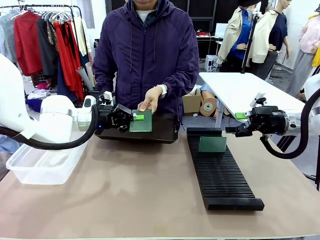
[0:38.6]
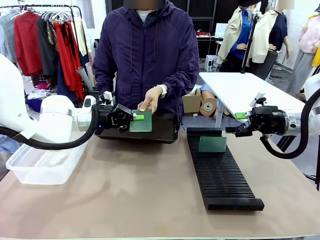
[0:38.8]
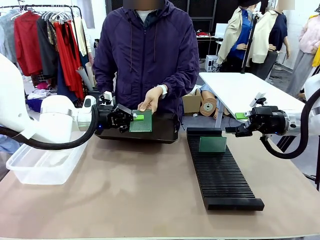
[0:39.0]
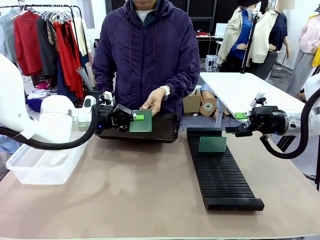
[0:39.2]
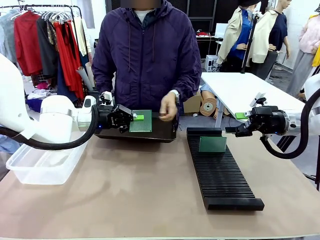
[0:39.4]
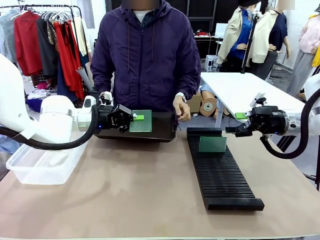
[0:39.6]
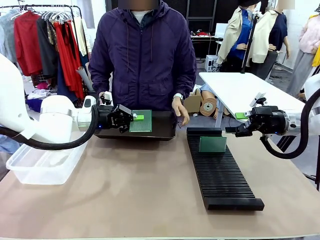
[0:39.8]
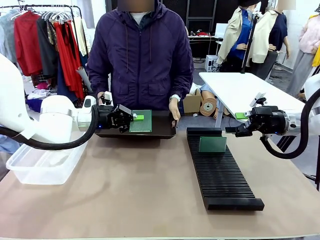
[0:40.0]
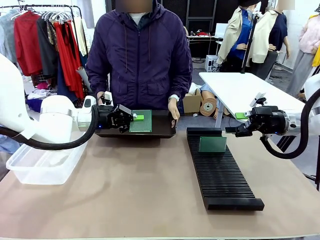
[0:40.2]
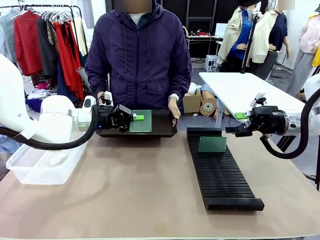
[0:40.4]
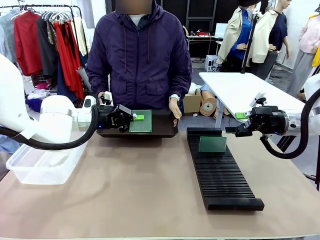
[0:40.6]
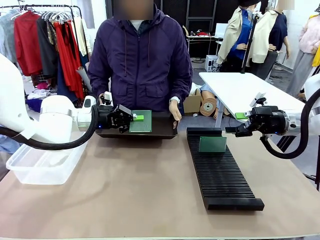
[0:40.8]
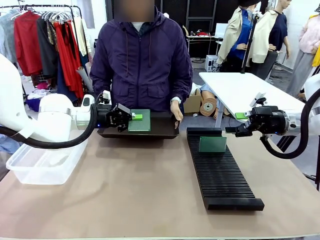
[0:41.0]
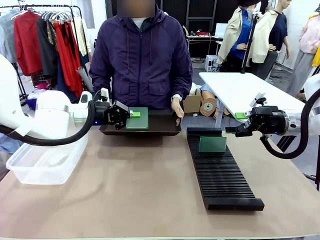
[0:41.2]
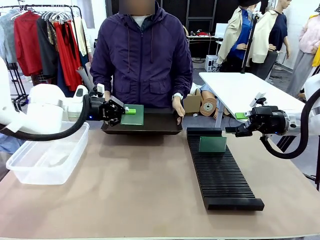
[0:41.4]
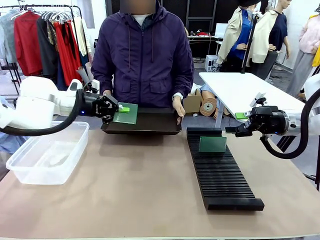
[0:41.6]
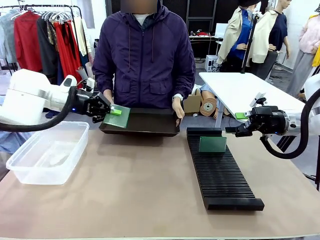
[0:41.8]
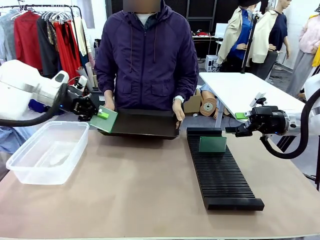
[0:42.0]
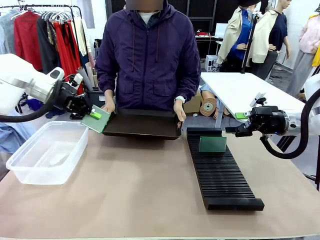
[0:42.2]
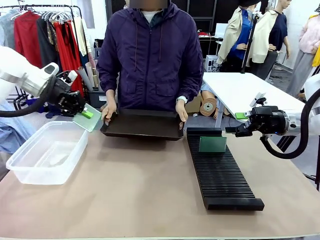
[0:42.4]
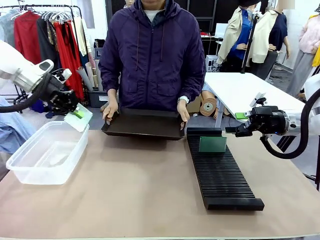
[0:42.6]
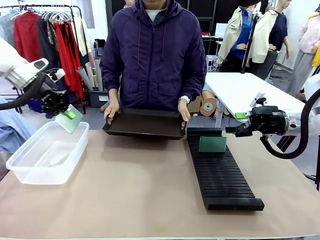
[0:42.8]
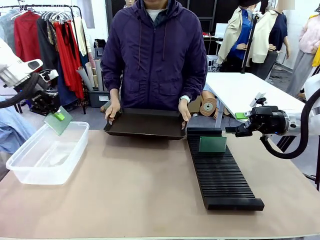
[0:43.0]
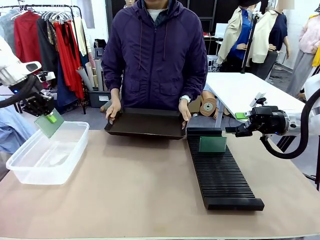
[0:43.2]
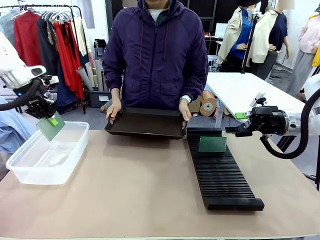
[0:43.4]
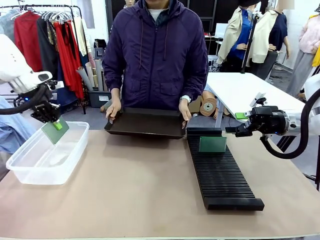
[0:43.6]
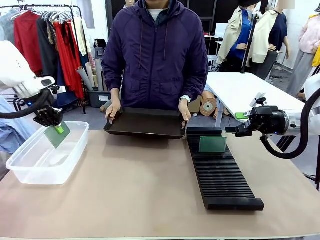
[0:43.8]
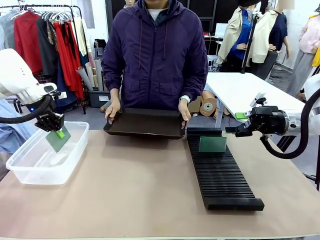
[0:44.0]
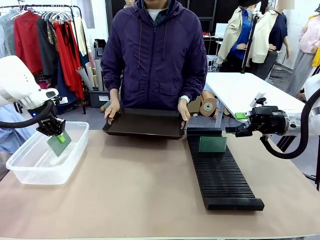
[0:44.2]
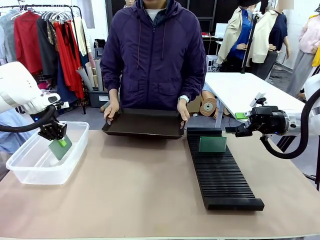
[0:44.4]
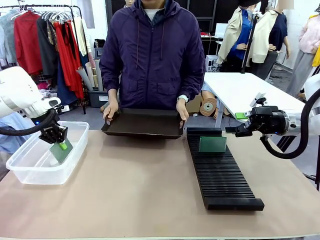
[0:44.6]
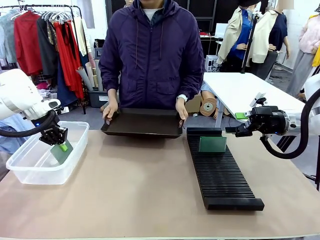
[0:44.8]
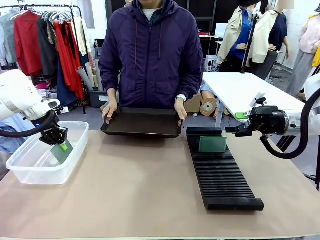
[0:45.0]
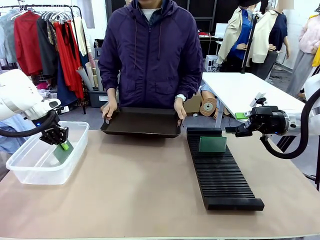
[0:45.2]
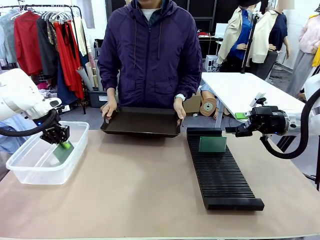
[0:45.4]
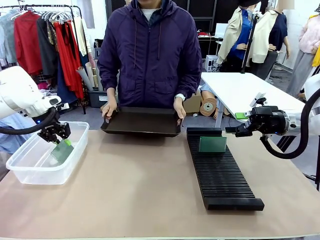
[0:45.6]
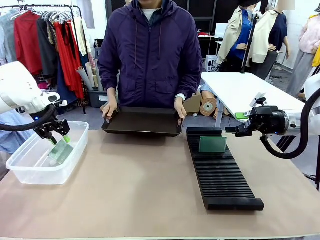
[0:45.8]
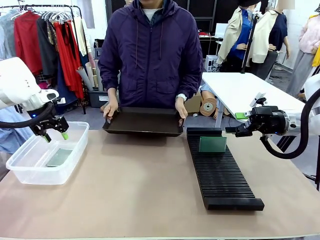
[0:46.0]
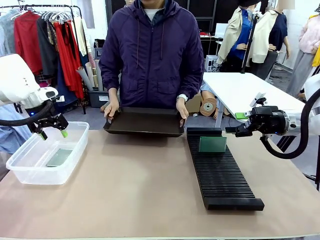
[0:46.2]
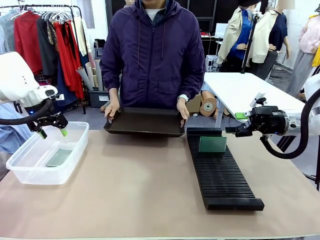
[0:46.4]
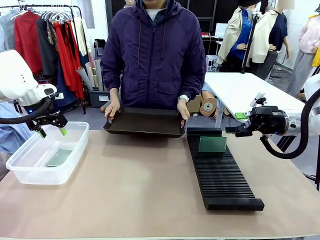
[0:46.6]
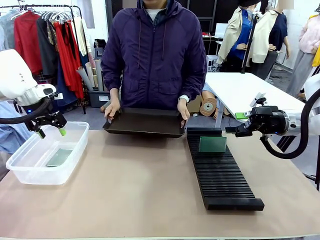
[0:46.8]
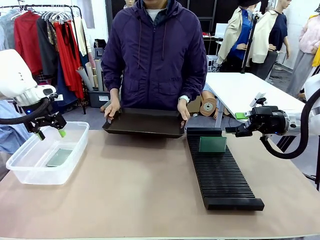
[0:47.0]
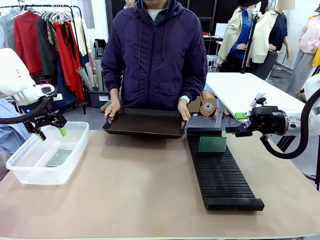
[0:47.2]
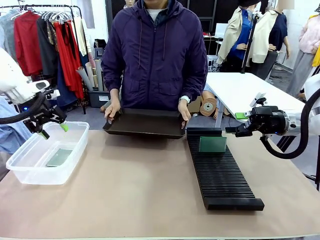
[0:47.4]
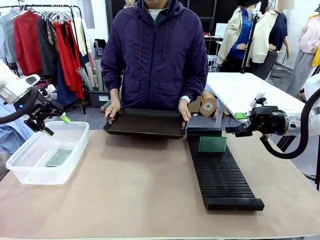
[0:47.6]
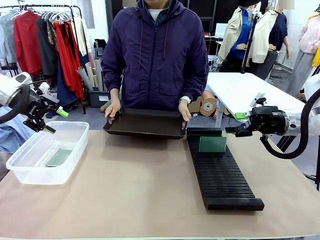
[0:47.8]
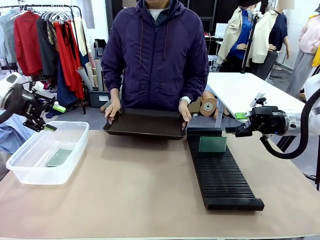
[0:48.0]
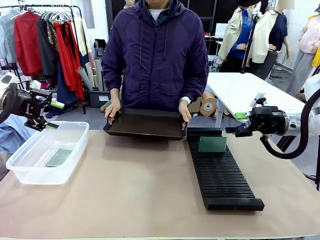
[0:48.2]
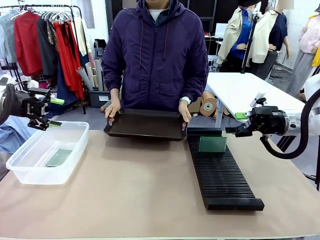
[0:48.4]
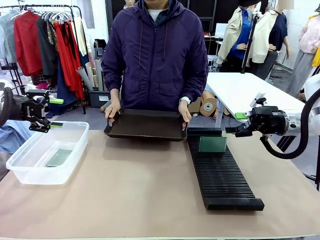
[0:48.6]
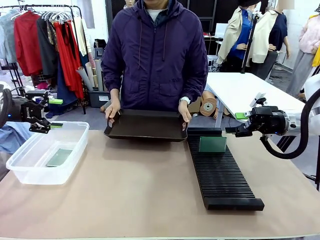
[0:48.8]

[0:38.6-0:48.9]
Task: Sort PCBs into racks and boxes based on the side picked up.
Robot: If the short side of the Blank PCB is picked up, insert it into the PCB Rack ; if the long side is picked up, place it in the Organizing box.
Person: Release the PCB being held.

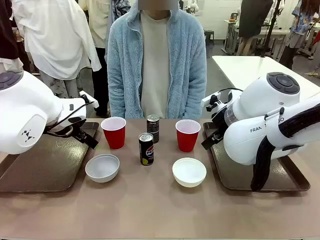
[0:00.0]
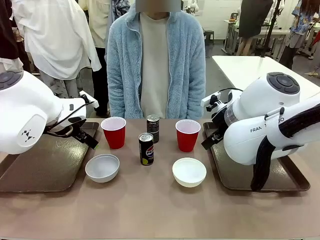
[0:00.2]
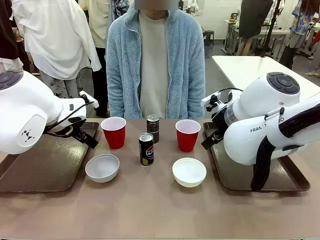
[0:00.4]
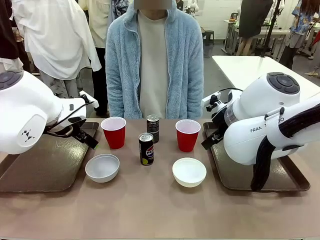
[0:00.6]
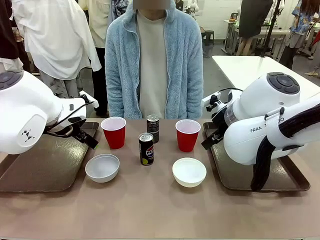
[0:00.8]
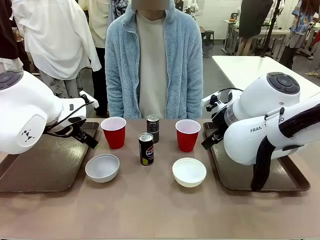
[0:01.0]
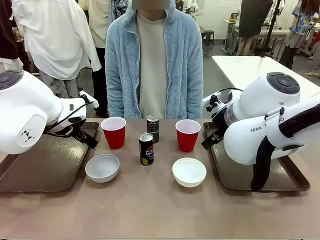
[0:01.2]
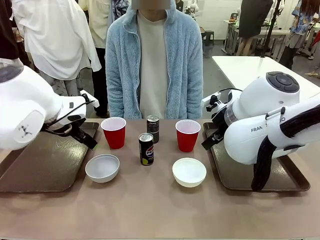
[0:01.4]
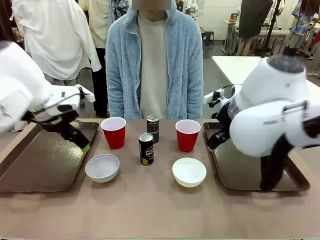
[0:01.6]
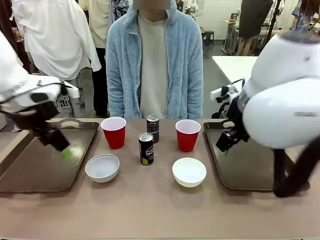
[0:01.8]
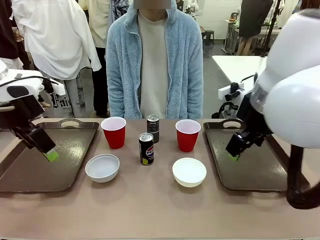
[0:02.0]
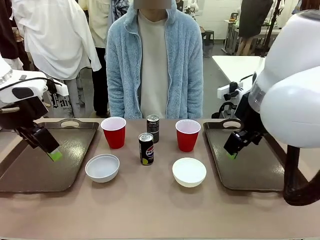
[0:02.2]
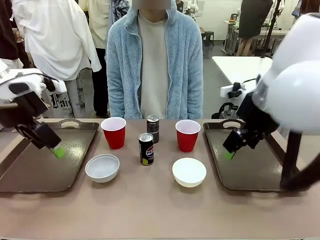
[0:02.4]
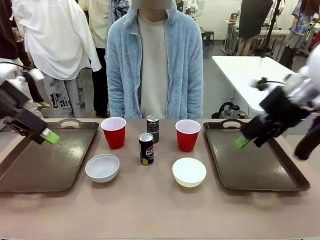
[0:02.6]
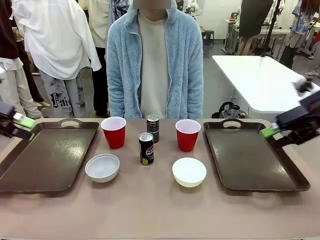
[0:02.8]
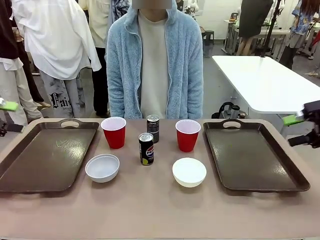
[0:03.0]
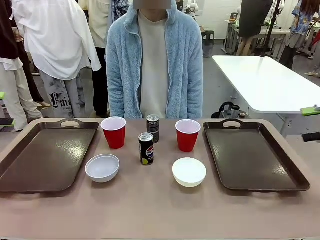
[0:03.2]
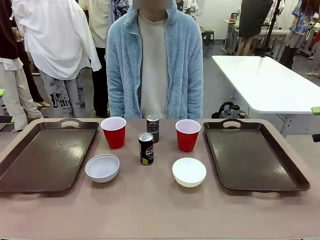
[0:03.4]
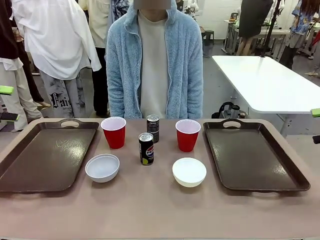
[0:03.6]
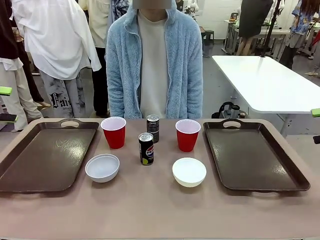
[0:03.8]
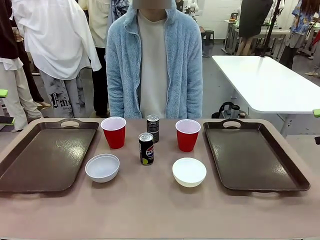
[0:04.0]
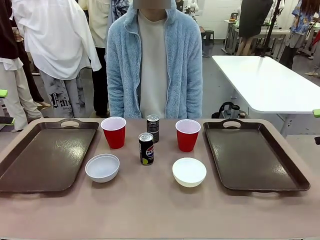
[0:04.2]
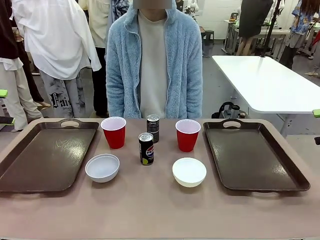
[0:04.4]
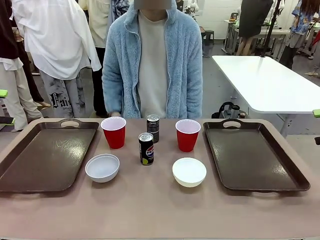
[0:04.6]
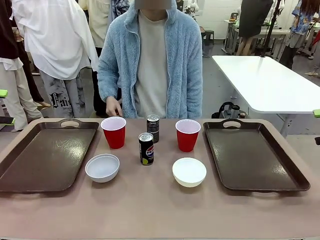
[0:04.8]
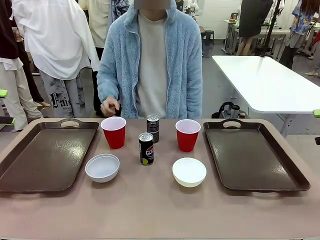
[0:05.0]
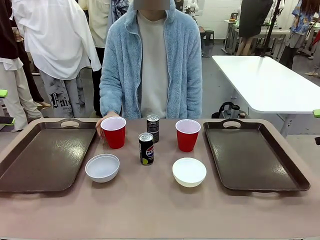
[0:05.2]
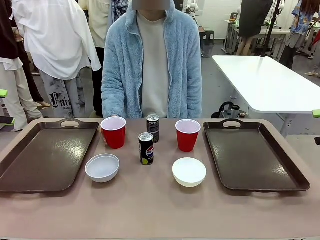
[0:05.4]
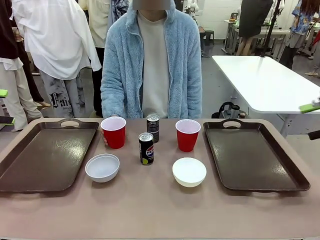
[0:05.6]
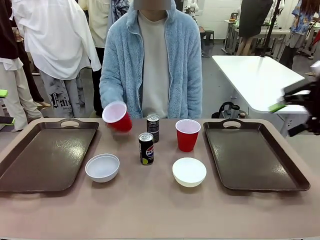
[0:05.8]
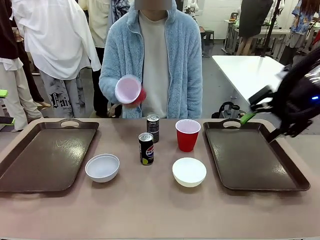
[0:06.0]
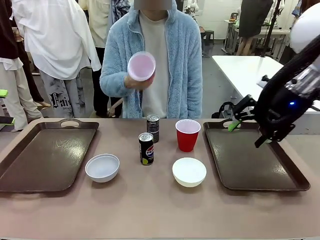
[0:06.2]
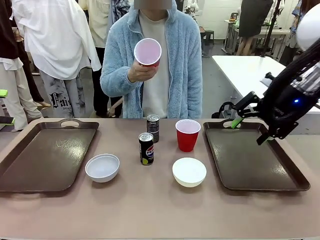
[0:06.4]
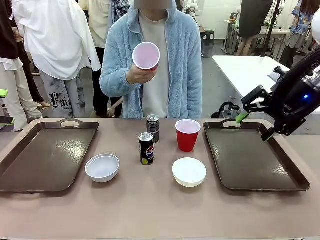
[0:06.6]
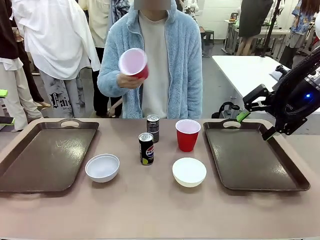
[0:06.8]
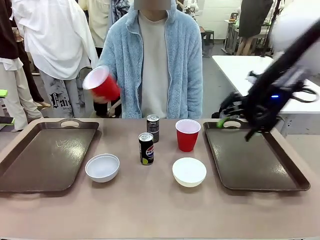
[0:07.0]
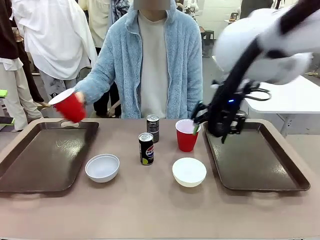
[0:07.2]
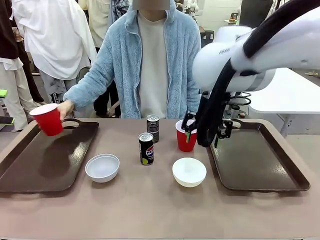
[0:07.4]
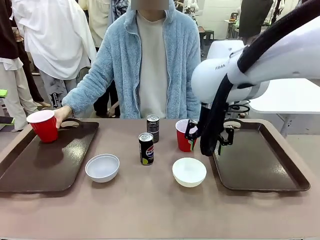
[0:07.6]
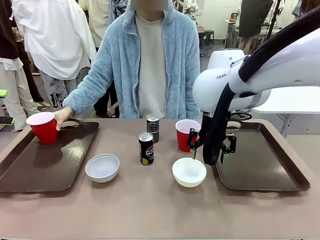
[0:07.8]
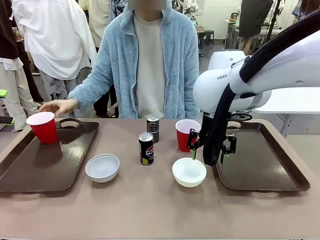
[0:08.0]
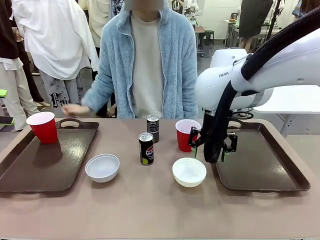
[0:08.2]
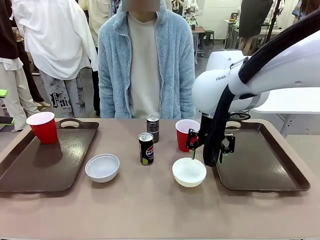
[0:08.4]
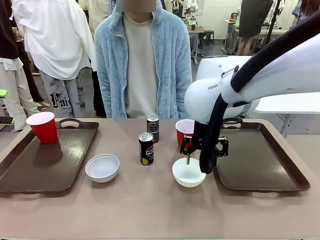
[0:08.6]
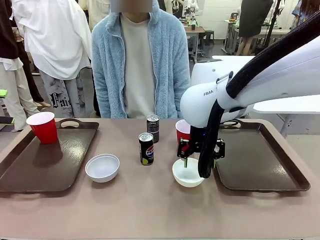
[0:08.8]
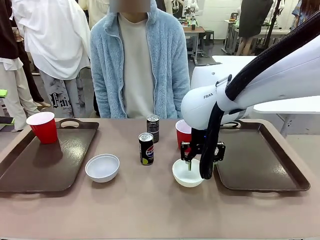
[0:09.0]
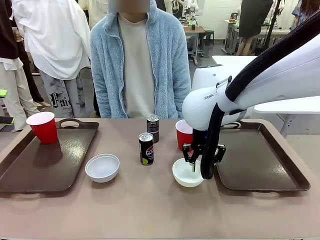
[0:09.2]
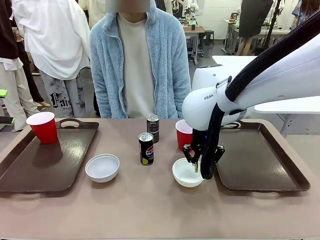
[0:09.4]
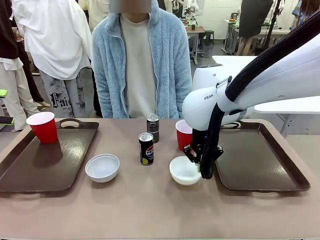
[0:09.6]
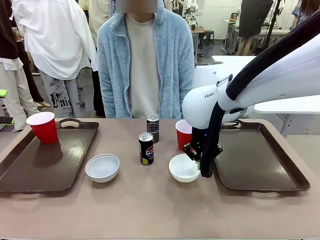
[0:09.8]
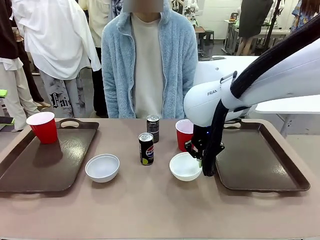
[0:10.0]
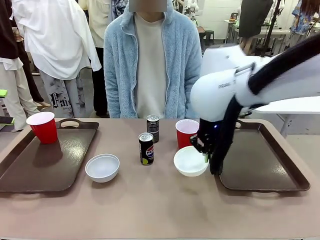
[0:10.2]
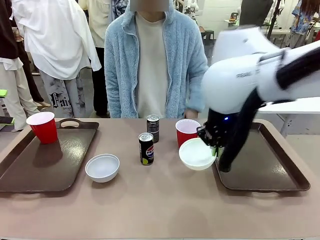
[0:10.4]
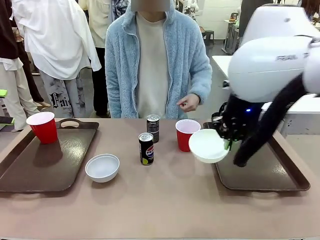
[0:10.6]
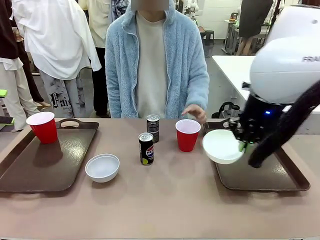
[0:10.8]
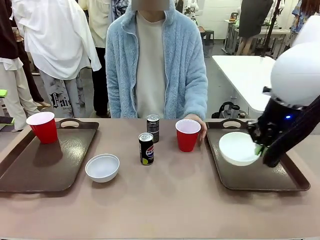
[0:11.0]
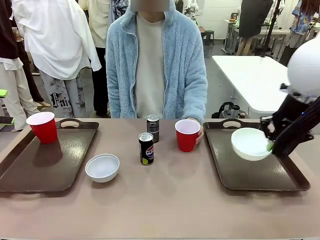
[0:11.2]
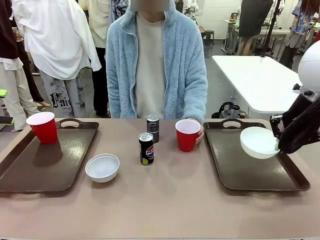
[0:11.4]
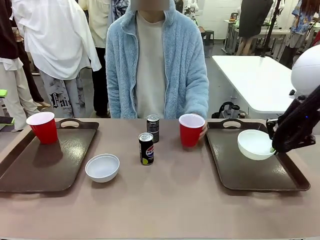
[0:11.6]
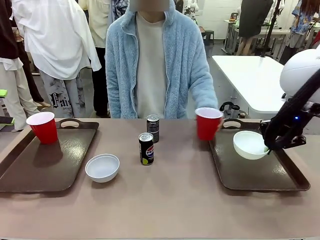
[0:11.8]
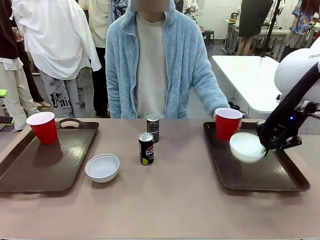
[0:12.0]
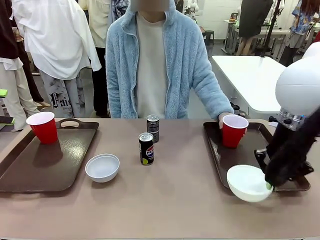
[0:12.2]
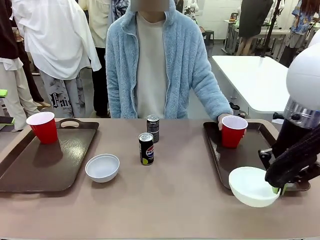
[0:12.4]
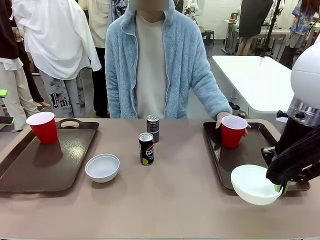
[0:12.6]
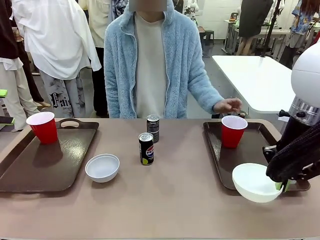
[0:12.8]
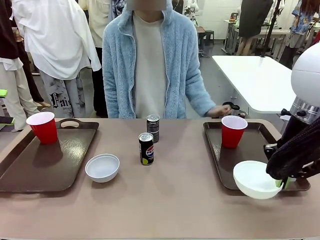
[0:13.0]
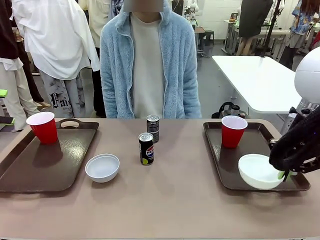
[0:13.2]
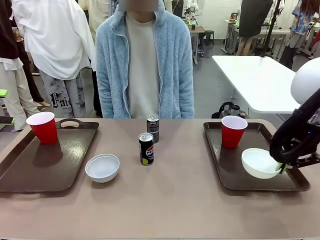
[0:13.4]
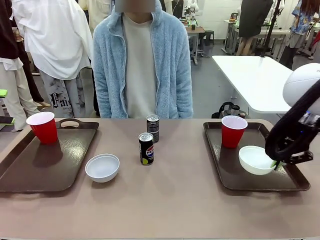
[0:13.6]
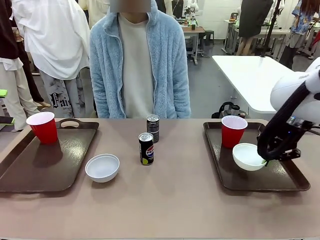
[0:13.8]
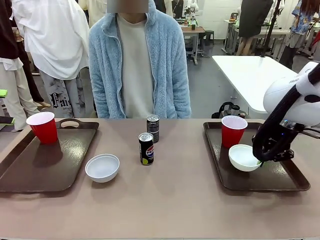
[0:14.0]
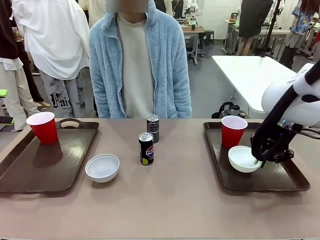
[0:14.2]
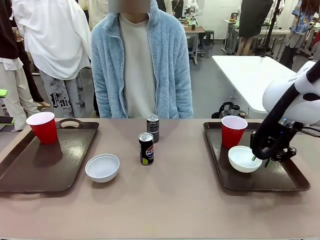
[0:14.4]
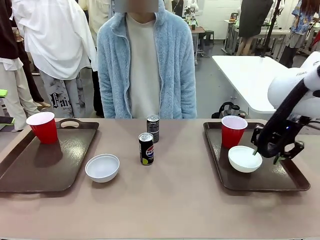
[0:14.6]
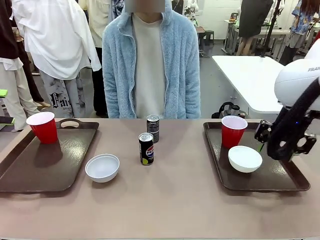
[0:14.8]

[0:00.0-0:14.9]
Task: Prepare tableware on both trays.
Robot: Pick up a Picnic Bowl from the table and place it on a Handle tray.
Person: Pick up a can or cup and place it on the tray.
